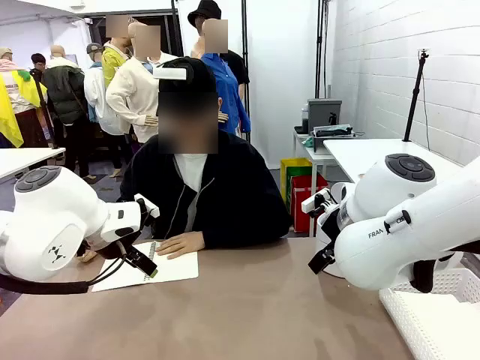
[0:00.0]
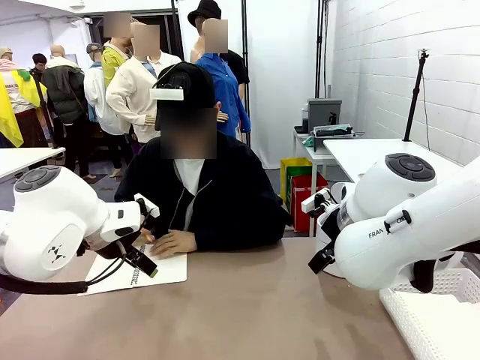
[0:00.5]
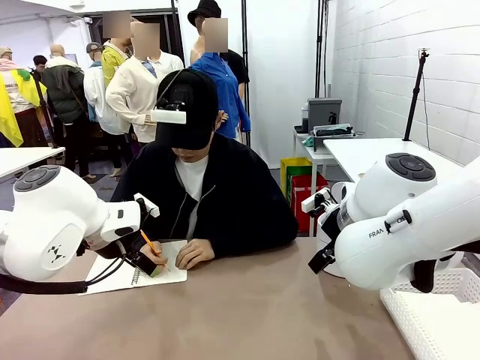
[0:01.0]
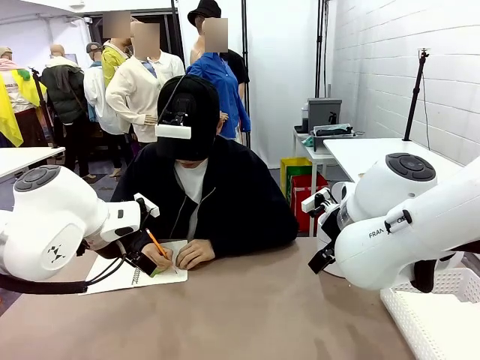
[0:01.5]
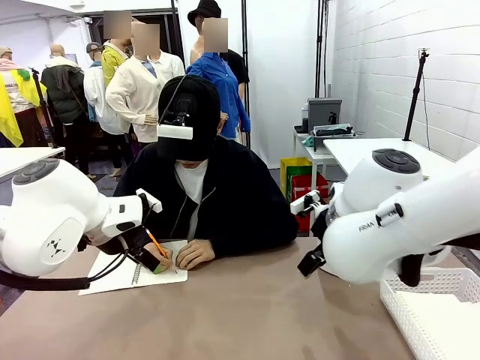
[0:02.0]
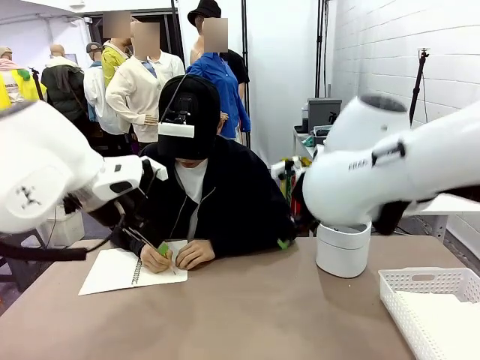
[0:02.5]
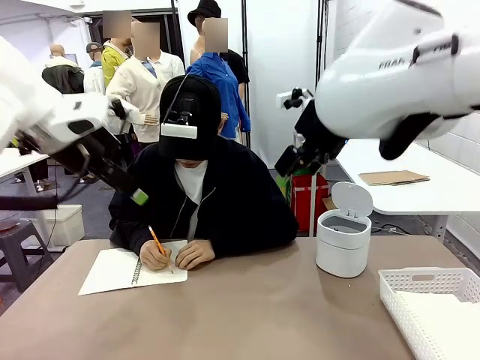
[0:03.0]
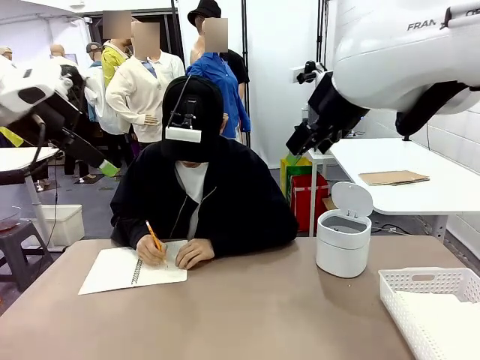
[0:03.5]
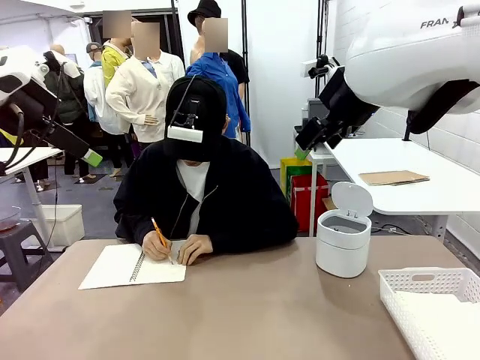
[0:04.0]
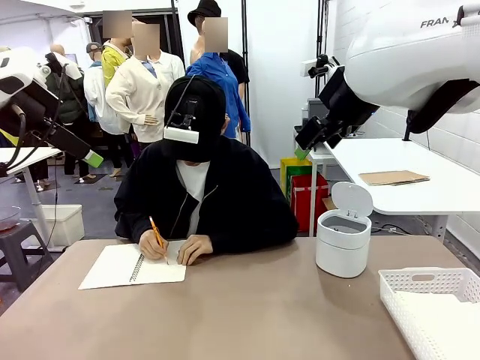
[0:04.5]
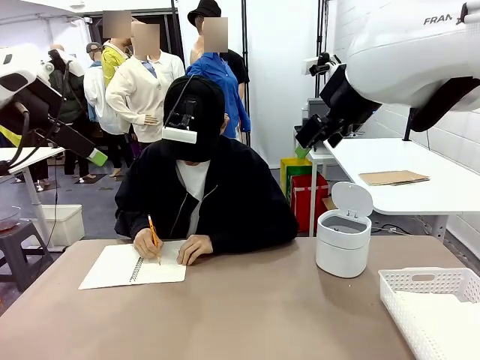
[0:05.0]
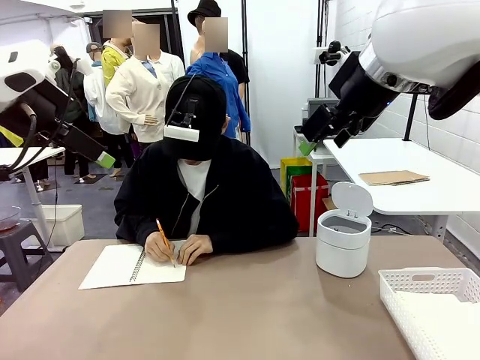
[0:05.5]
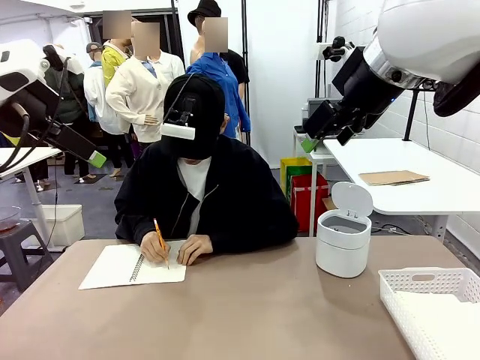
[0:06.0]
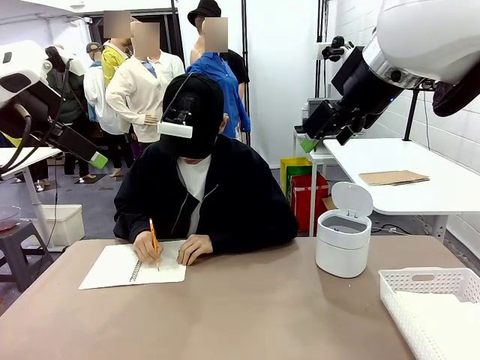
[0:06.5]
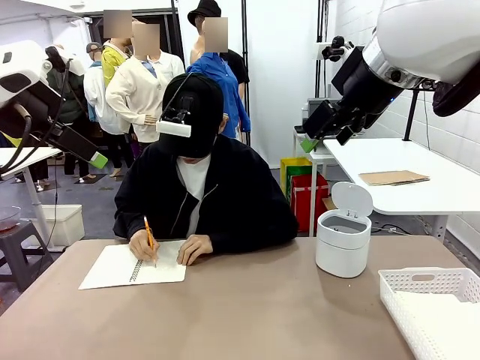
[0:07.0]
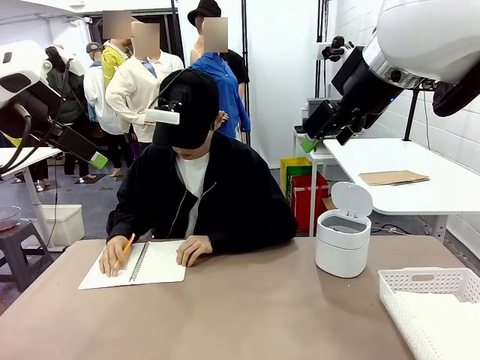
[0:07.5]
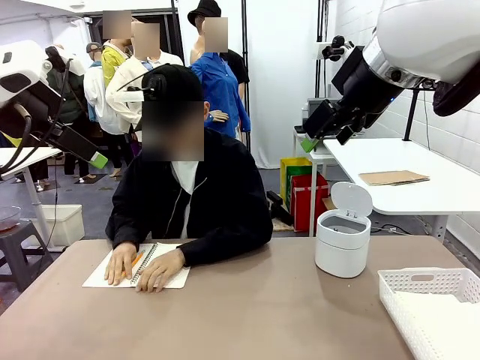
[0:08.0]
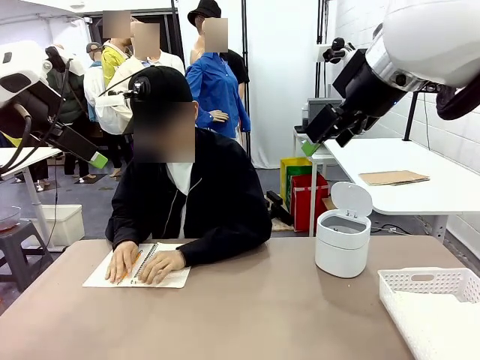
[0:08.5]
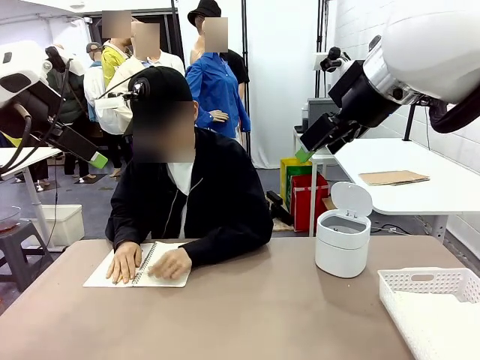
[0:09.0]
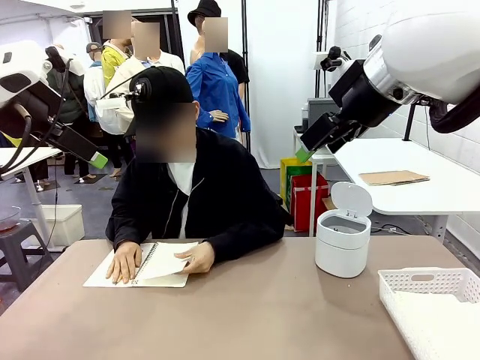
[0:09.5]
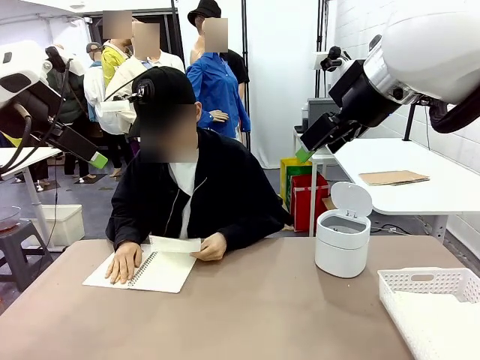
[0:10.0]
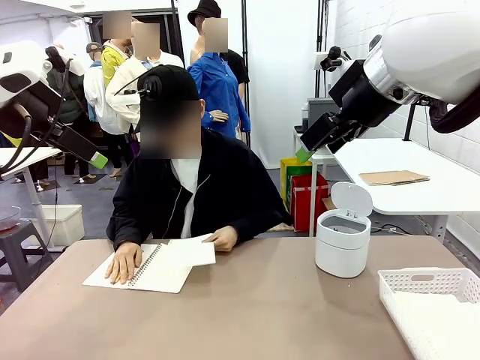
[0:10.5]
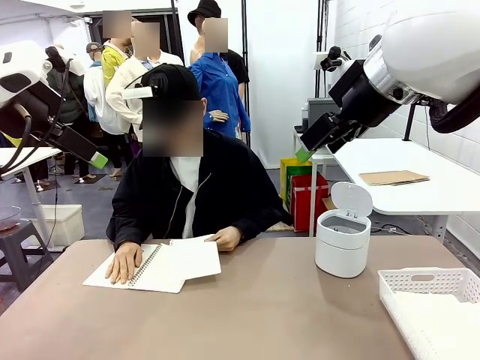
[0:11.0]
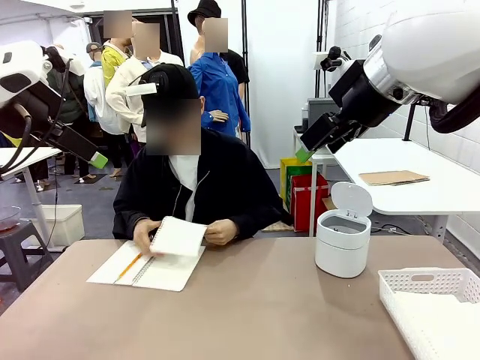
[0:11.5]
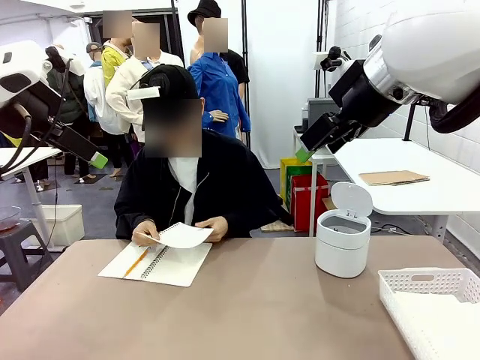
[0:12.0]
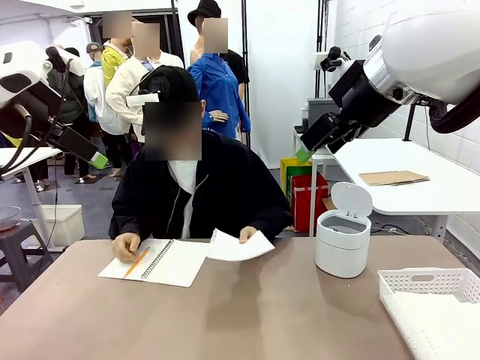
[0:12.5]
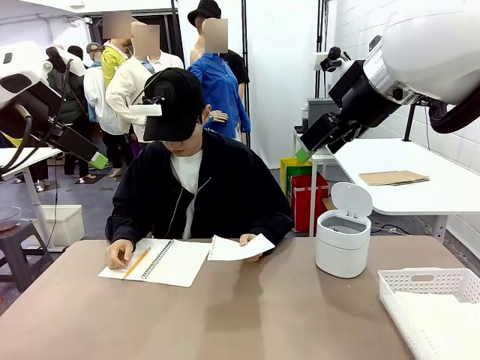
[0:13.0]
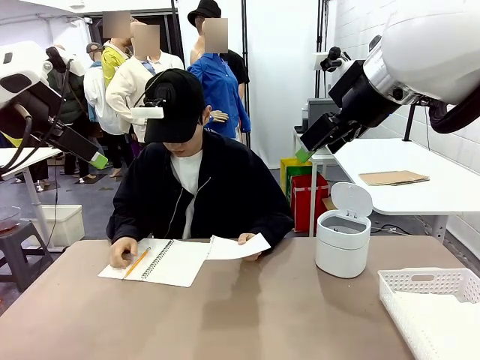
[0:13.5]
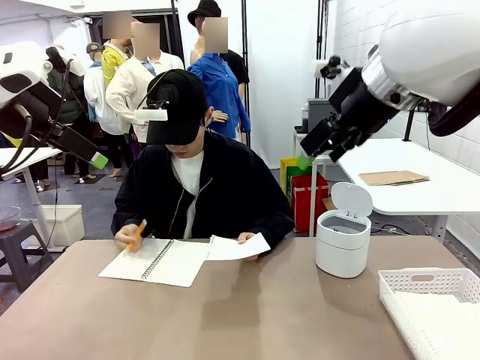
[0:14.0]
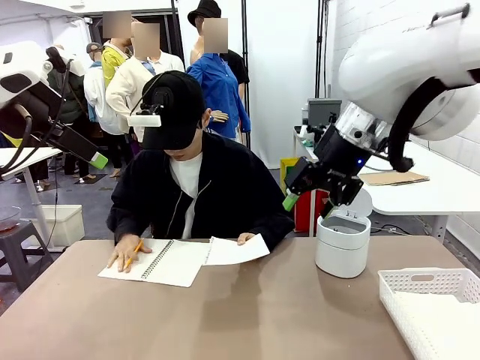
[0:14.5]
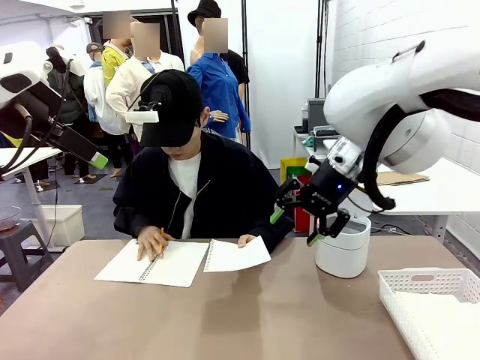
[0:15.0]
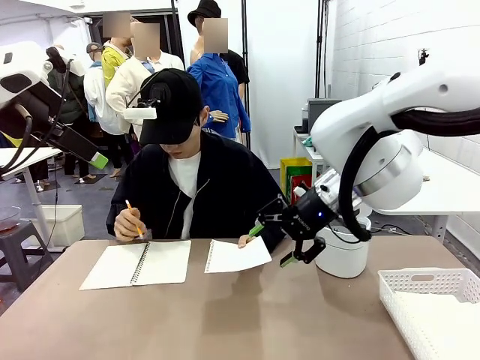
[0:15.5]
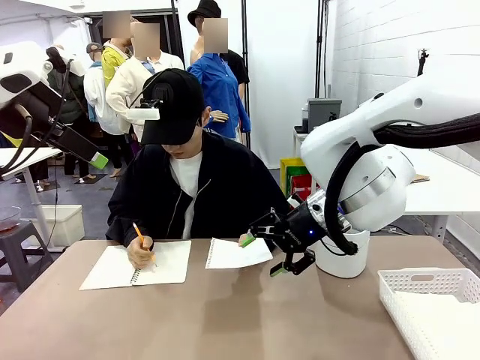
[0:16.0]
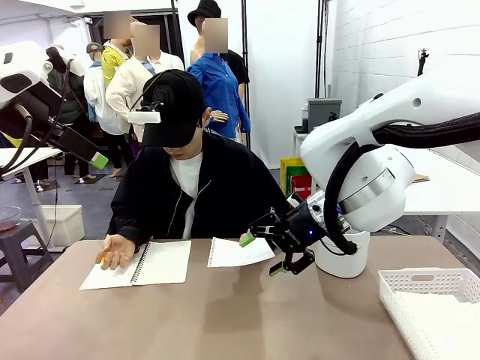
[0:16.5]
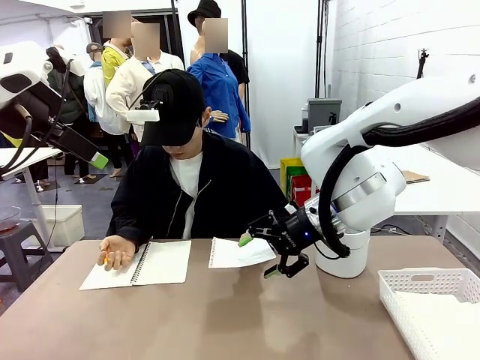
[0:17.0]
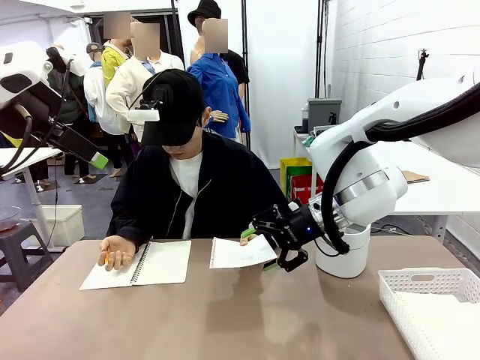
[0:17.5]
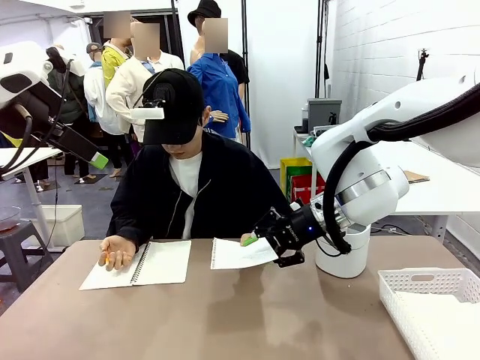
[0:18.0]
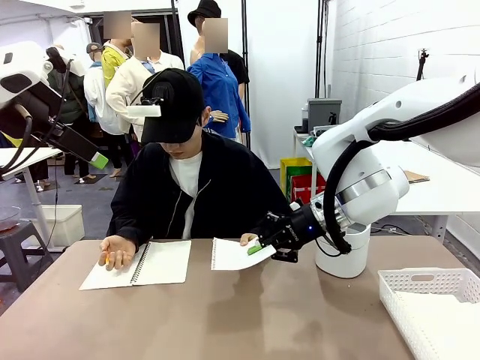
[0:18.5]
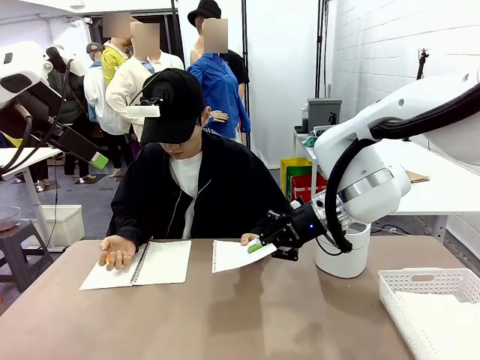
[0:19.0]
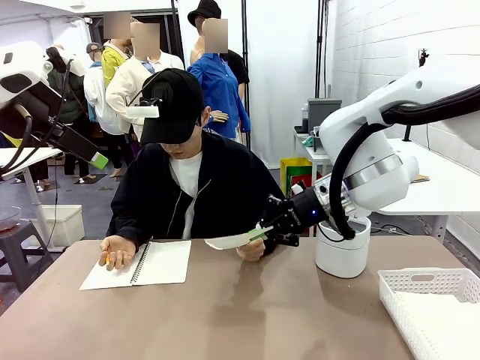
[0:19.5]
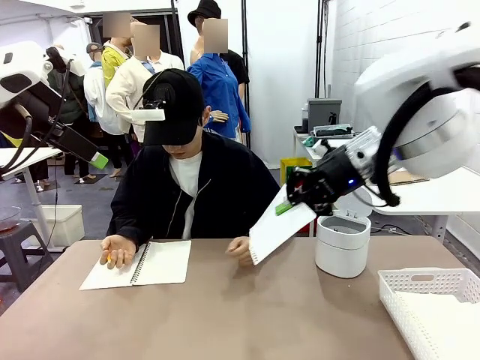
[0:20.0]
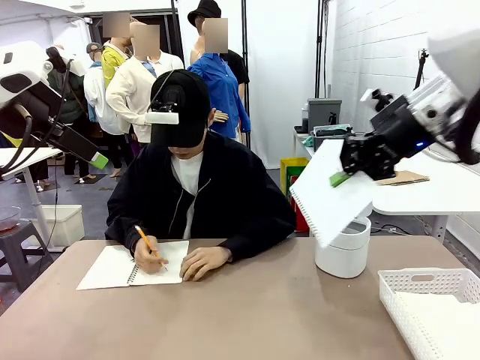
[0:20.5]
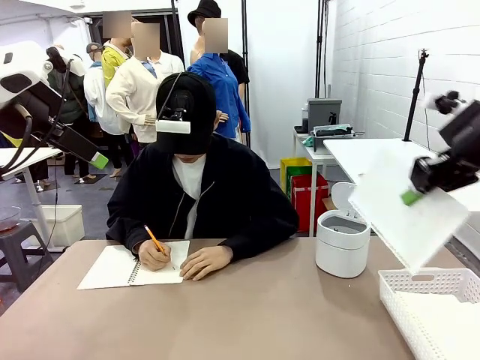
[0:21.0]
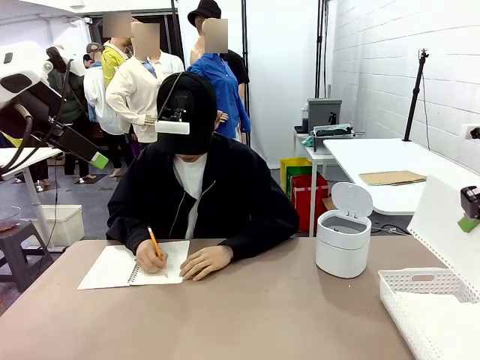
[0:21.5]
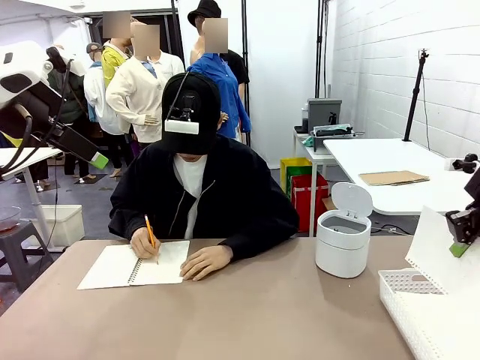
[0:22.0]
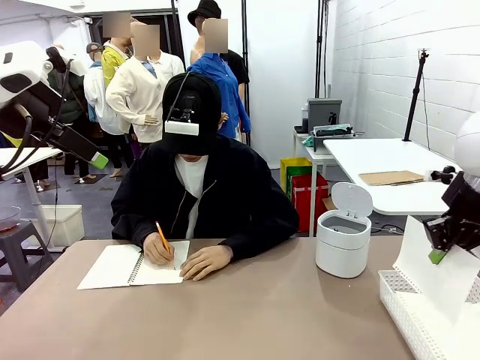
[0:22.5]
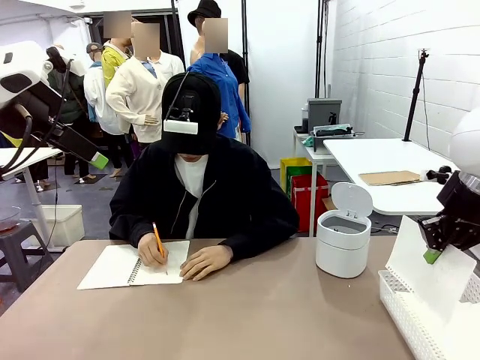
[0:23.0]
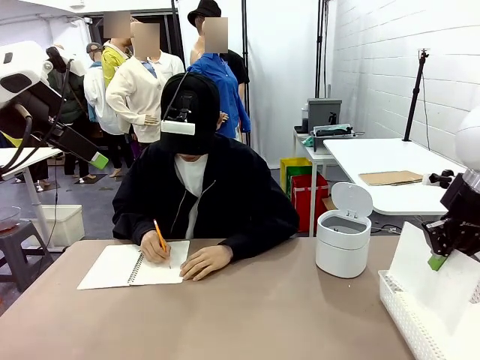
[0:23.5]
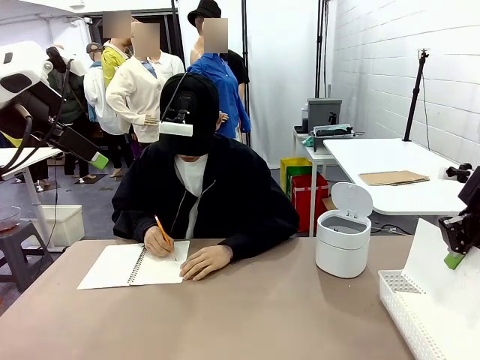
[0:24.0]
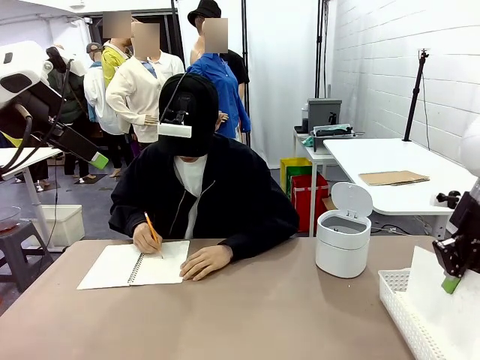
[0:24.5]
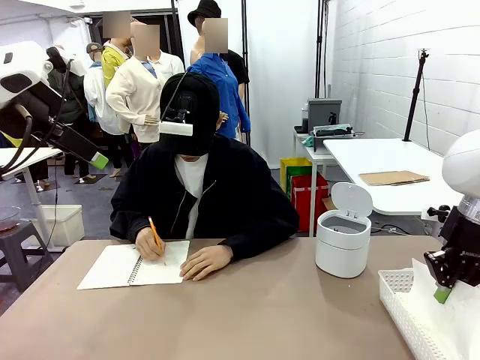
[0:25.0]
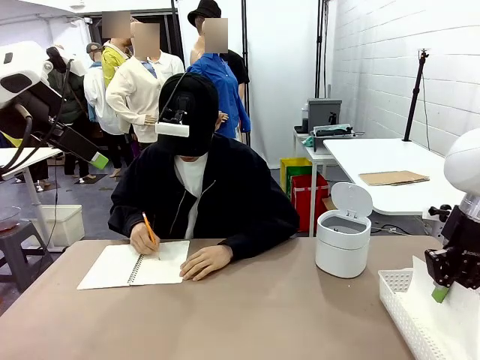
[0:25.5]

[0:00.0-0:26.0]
Task: Sort the paper based on its condition.
Robot: If a person hands you a paper, place it in the Organizing basket , and if it's crumpled, put it in the Trash can.
Person: Tear out a page from the spiral notebook. Hand the torn page to the robot or crumple it and throw it to the center of the table. Tear out a page from the spiral notebook.
